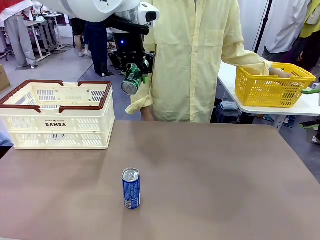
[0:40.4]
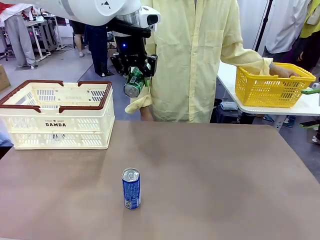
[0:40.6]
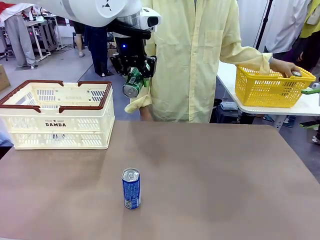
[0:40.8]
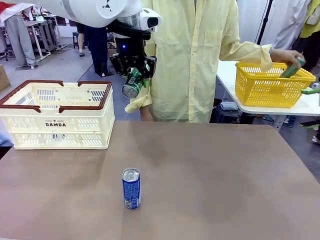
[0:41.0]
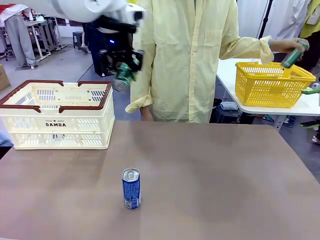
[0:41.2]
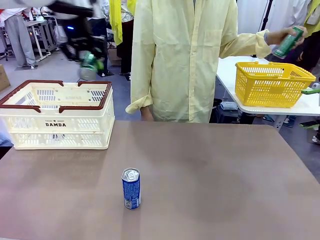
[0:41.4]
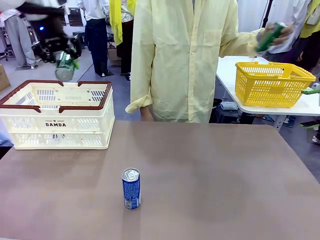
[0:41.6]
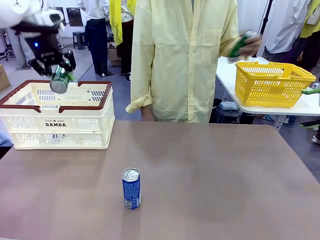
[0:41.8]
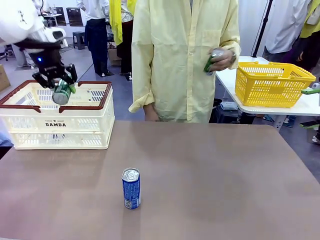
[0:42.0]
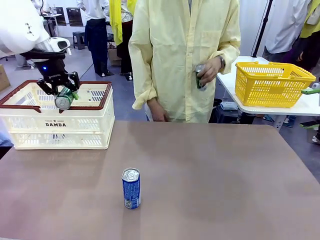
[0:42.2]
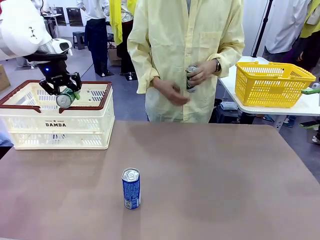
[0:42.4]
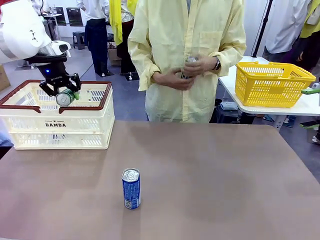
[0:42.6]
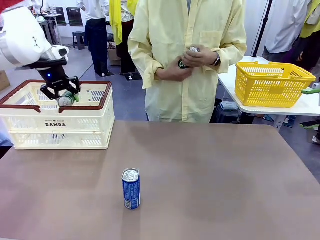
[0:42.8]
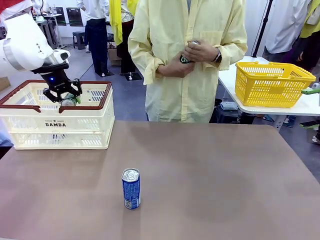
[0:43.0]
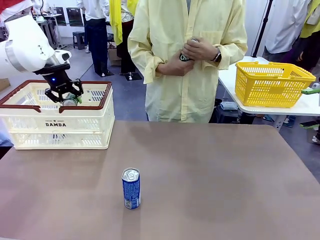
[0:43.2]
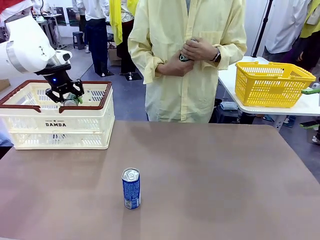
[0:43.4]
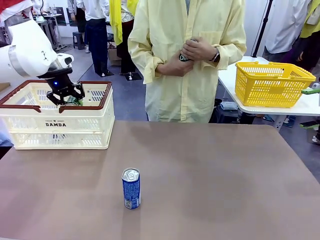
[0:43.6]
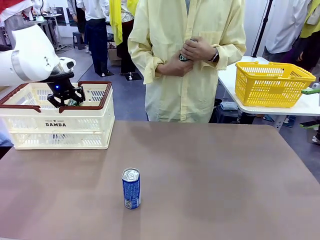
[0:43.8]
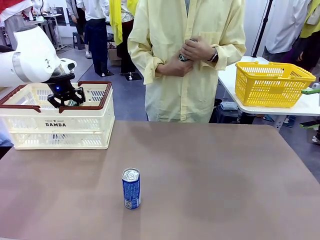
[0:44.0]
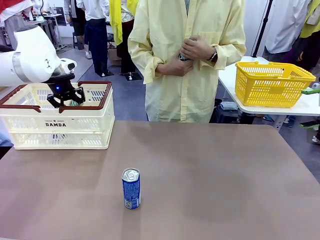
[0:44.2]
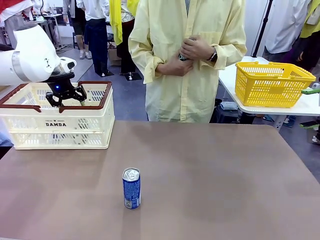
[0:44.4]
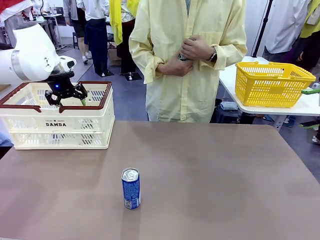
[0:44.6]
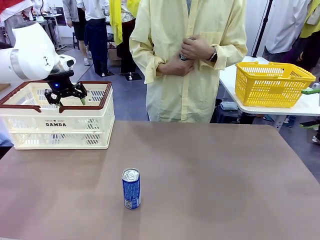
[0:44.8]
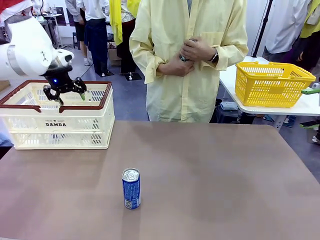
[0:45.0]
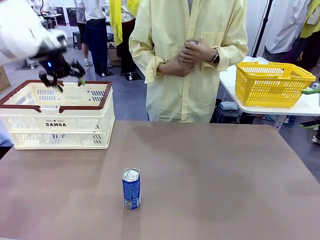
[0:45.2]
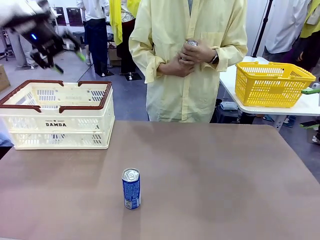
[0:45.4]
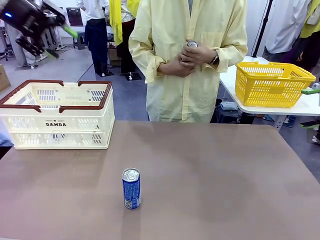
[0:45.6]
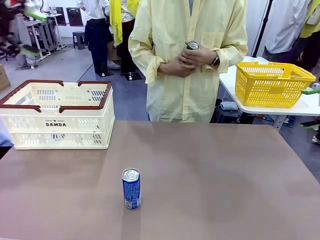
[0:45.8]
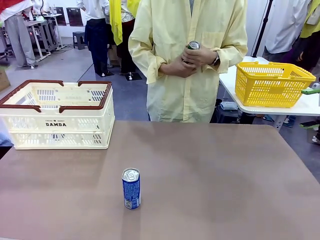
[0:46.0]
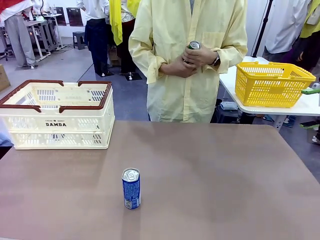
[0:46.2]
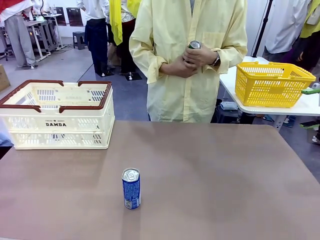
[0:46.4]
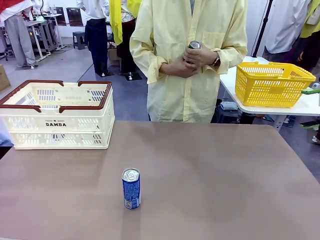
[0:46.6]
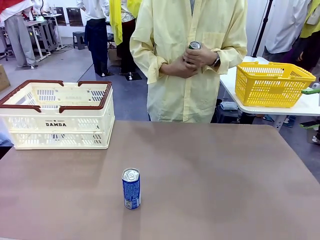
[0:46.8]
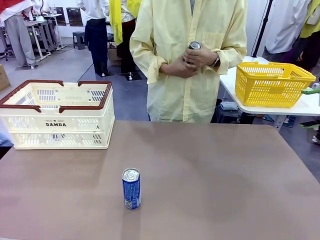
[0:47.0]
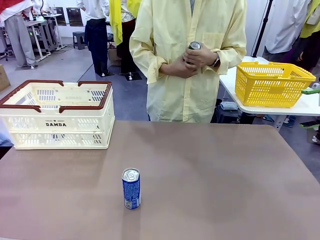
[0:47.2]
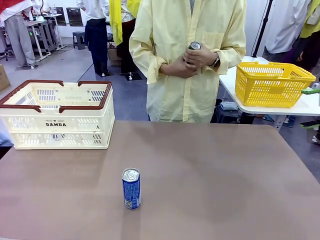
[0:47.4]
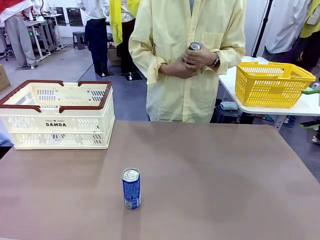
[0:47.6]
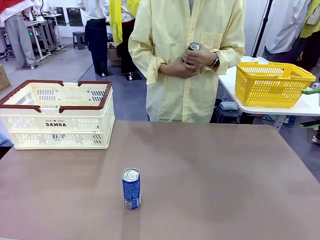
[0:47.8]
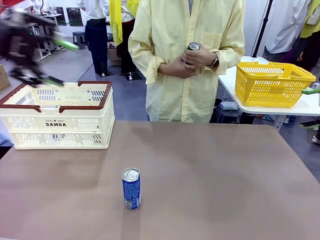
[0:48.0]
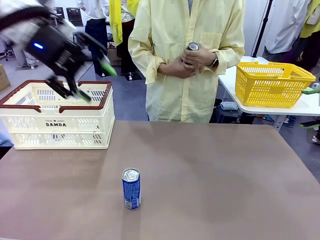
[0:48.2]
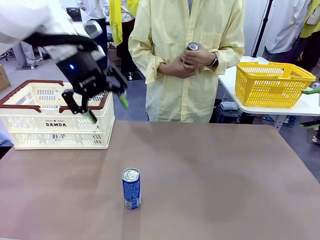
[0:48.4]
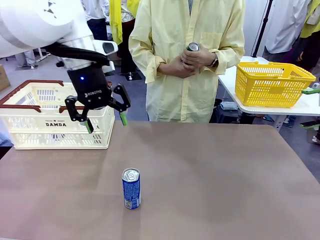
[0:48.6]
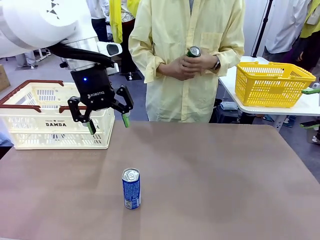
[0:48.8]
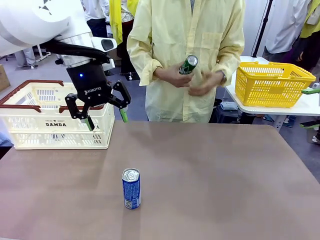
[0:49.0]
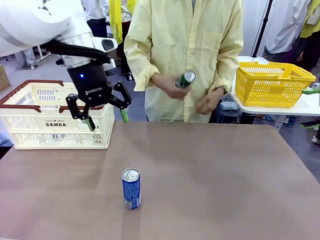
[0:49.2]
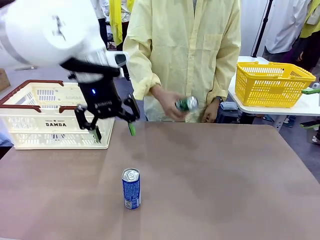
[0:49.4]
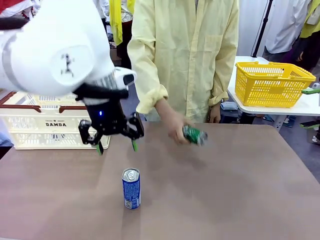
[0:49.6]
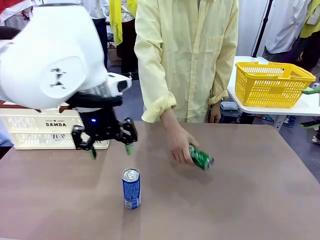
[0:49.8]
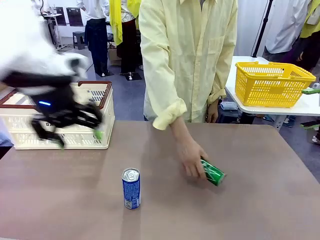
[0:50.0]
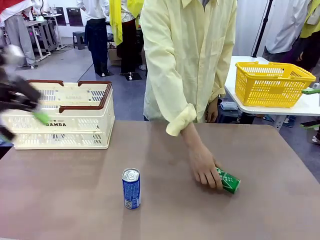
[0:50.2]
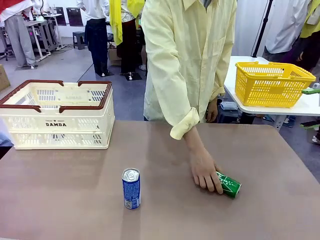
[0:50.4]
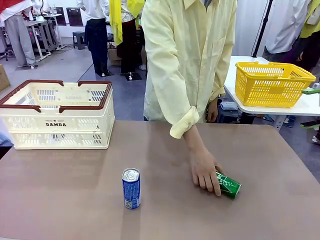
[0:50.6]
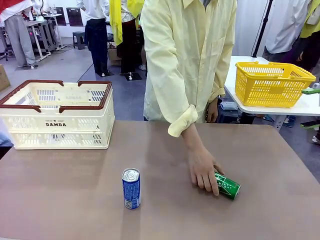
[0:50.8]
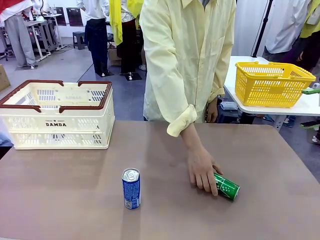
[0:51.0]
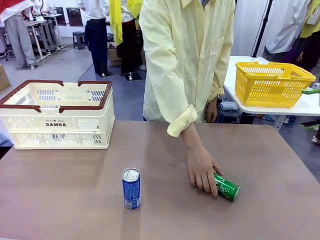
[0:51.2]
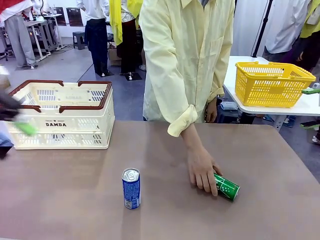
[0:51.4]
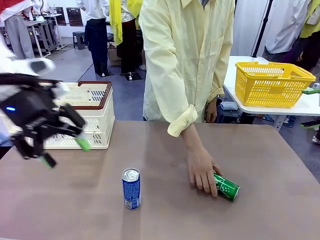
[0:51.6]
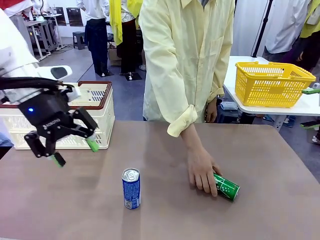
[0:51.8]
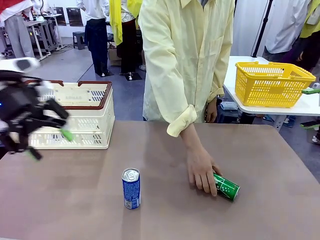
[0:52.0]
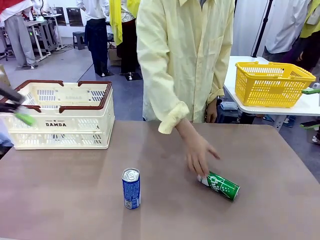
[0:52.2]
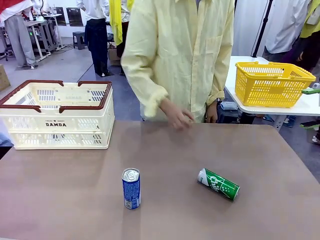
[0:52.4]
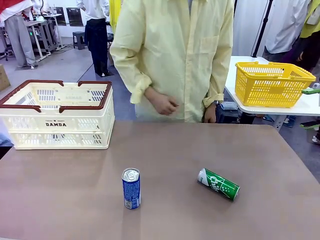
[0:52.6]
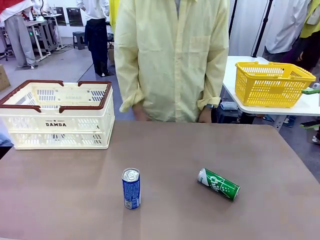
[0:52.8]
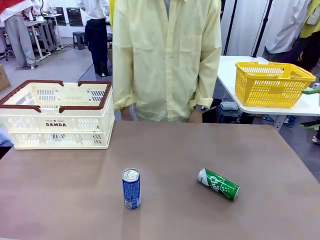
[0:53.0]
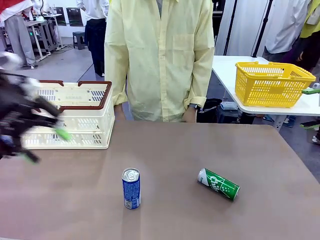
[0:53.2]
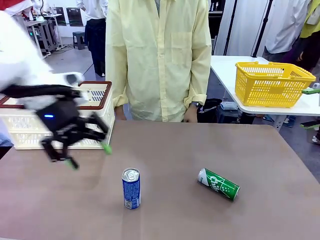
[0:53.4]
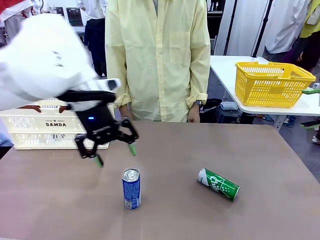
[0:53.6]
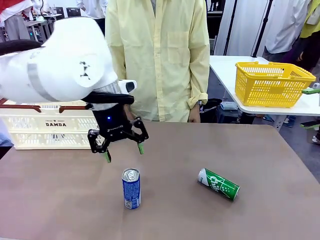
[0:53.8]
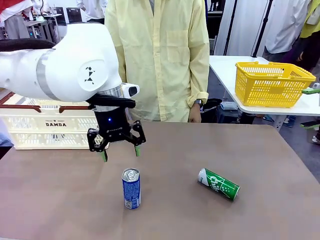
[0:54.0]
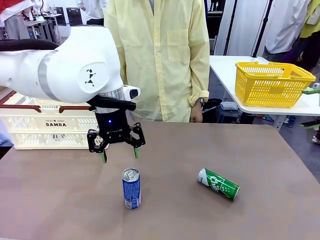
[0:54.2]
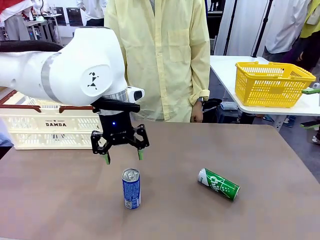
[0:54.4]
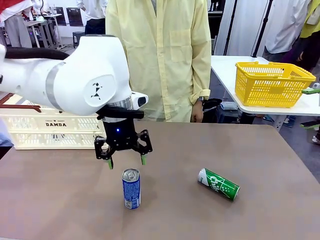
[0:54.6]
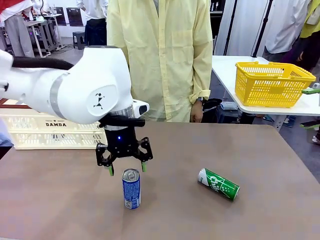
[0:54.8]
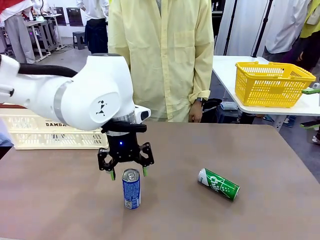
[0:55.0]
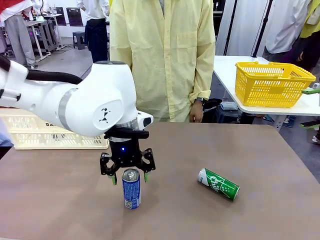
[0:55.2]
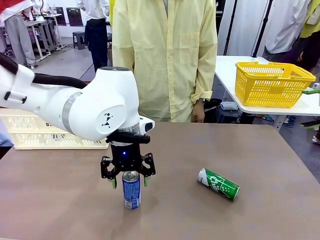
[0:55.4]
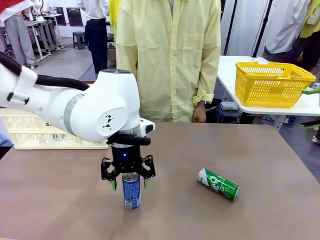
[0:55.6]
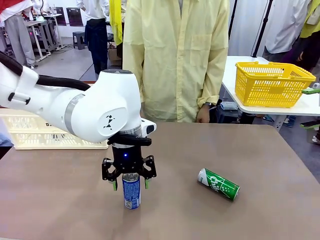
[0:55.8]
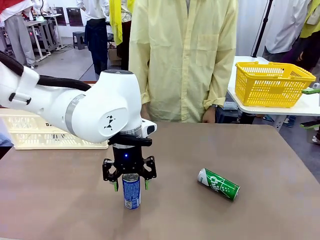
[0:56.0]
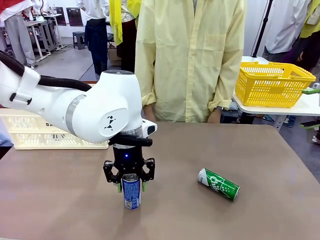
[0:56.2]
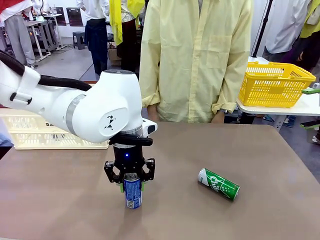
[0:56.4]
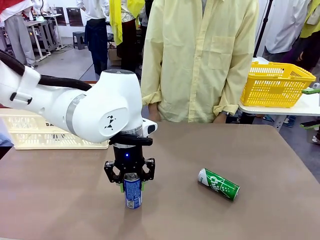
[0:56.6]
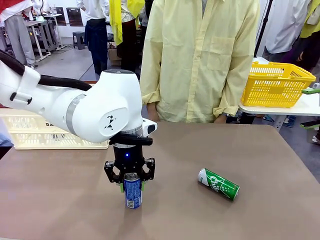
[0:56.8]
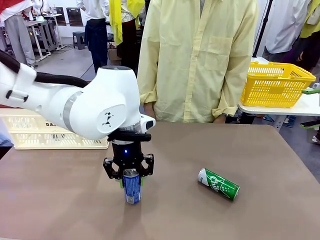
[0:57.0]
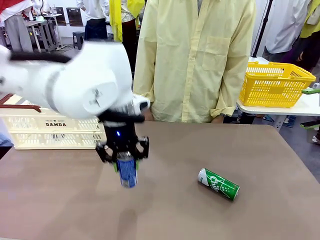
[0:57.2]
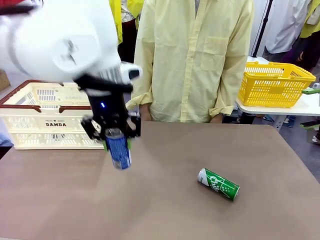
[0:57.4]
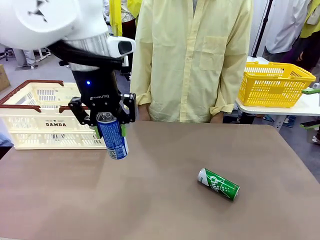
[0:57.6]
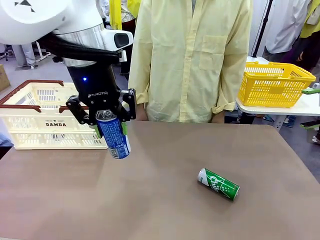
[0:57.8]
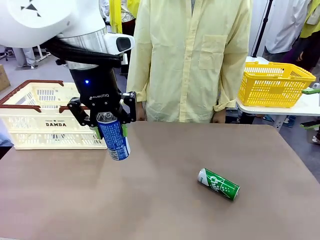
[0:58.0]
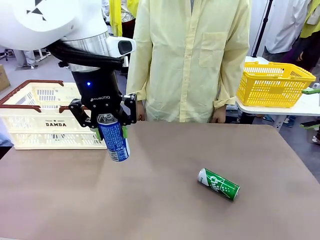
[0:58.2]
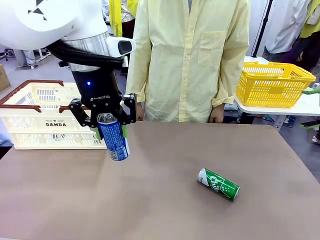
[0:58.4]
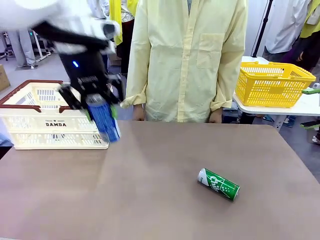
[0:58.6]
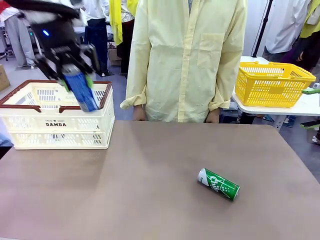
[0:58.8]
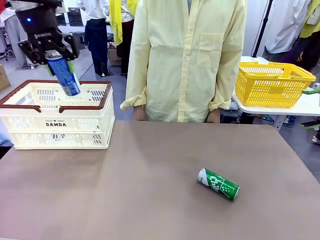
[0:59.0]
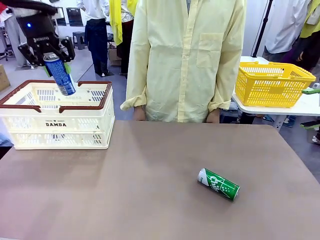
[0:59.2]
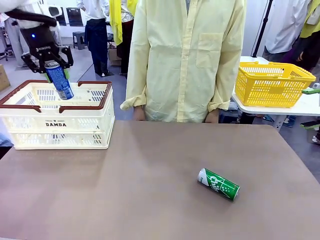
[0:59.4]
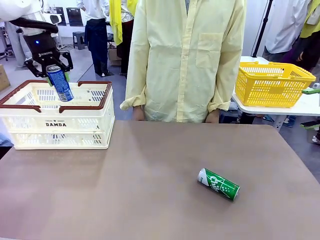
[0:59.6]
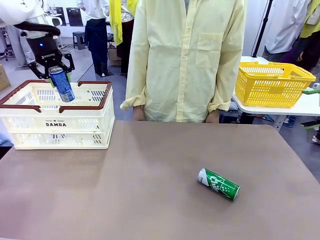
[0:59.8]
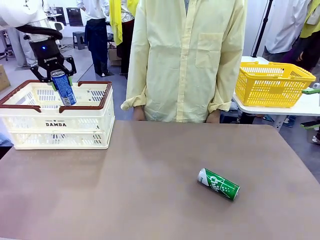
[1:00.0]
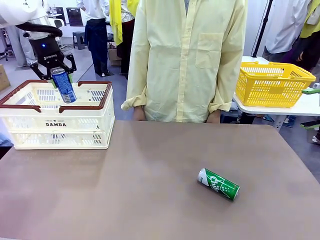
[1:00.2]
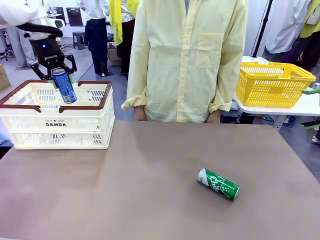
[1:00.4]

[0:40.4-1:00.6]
Task: Place the drinks into the Shopping basket.
Robot: Pick up one drink and place it into the Shopping basket.
